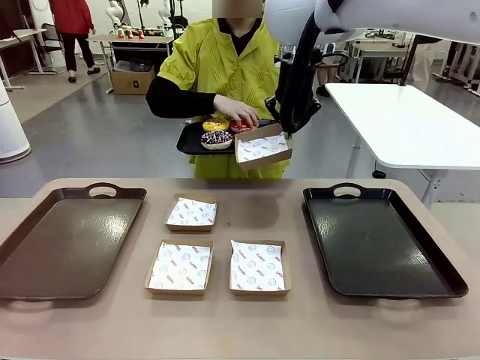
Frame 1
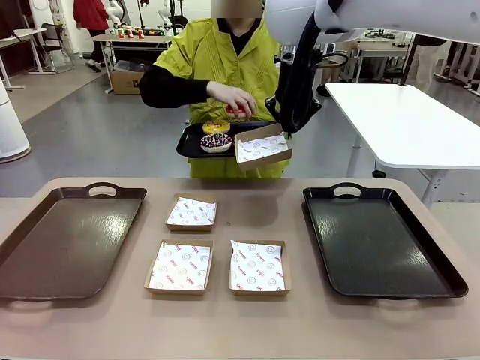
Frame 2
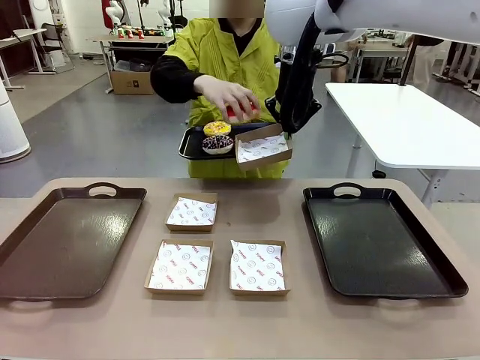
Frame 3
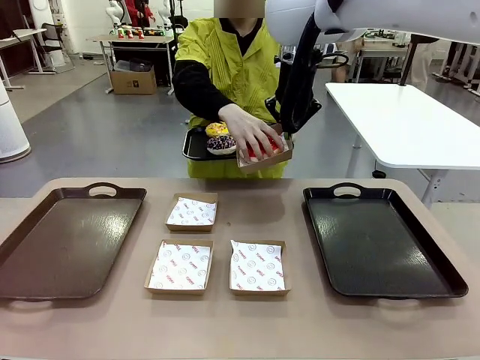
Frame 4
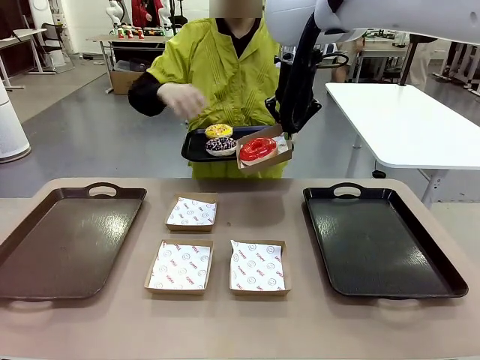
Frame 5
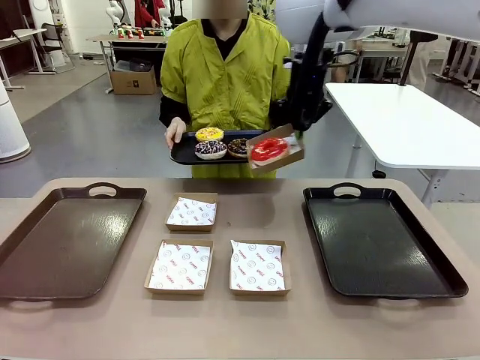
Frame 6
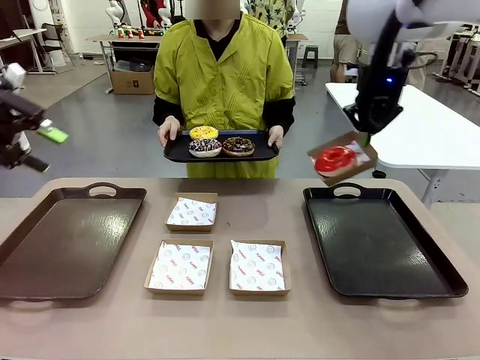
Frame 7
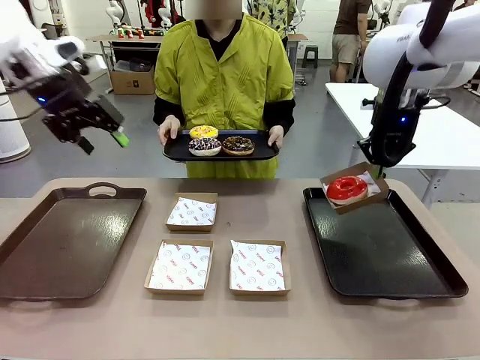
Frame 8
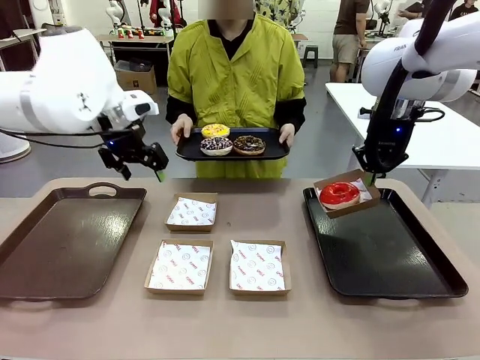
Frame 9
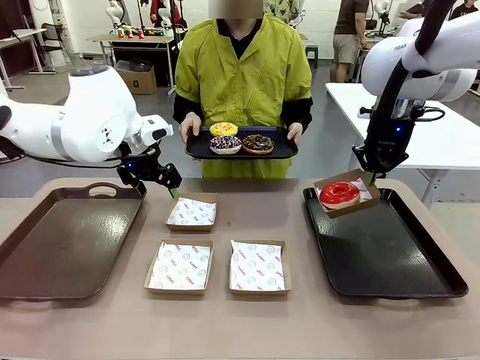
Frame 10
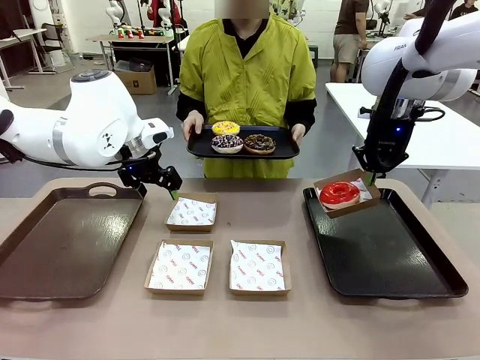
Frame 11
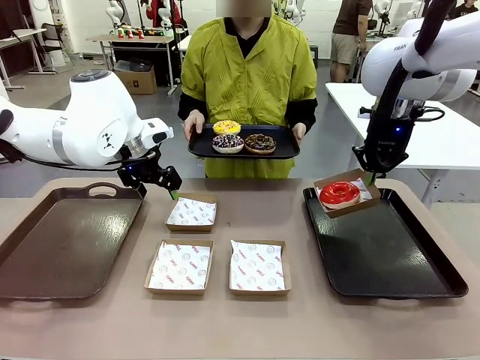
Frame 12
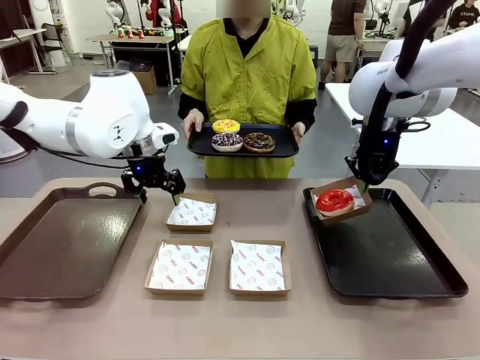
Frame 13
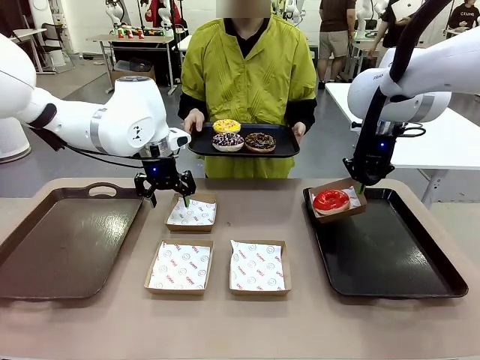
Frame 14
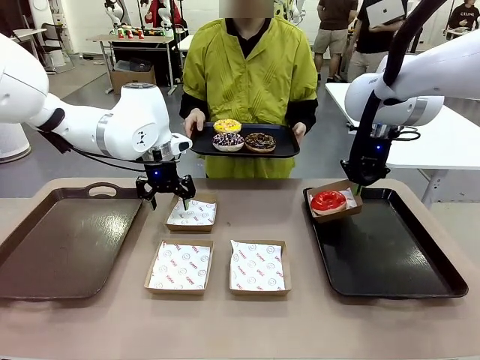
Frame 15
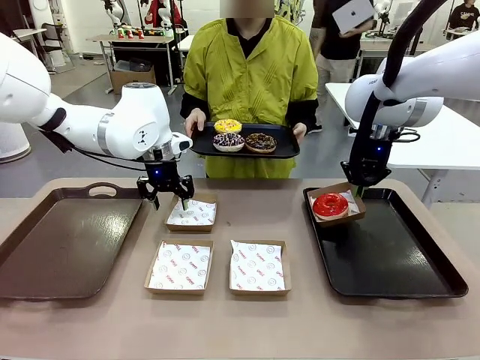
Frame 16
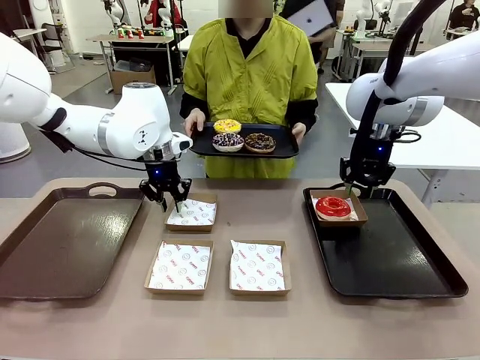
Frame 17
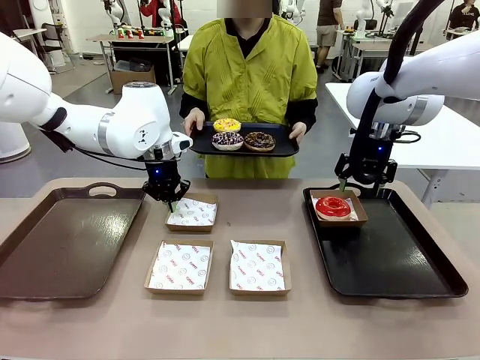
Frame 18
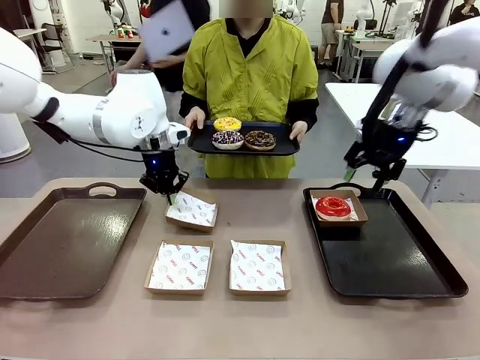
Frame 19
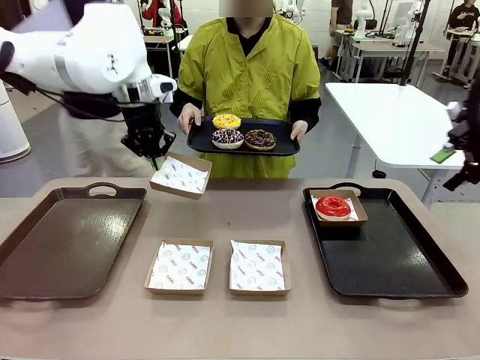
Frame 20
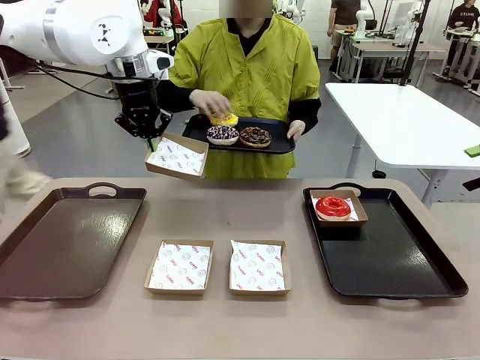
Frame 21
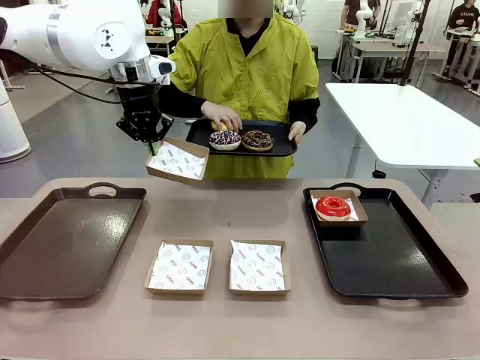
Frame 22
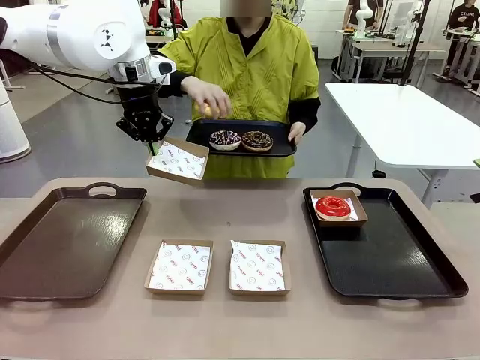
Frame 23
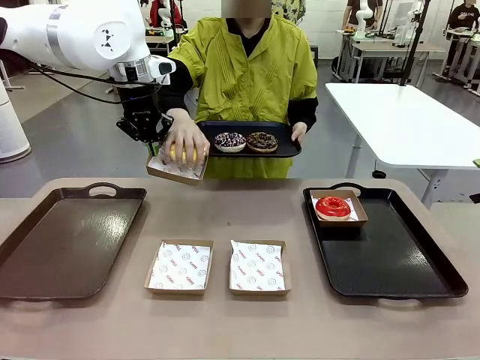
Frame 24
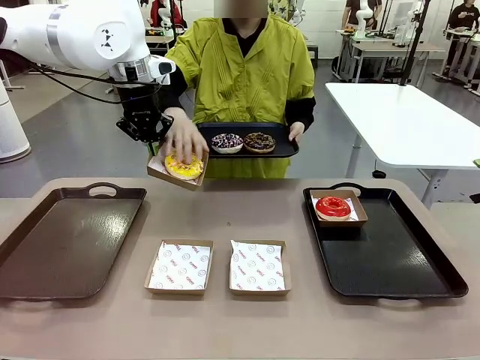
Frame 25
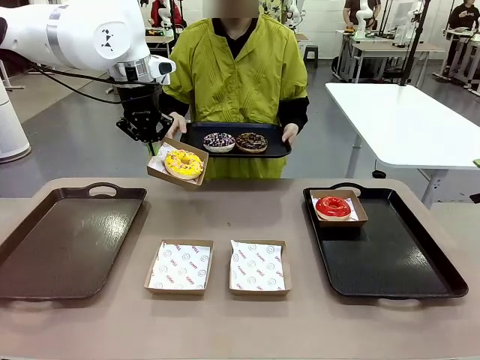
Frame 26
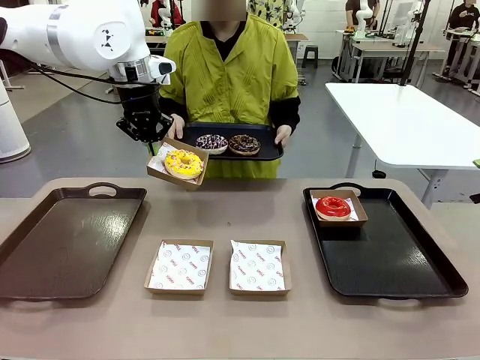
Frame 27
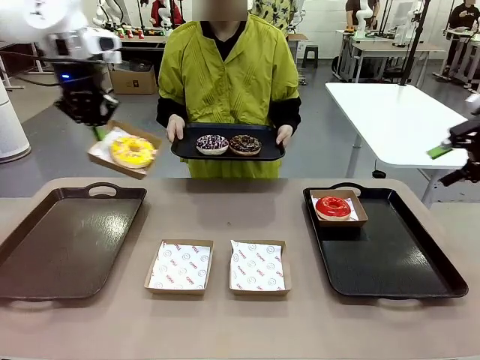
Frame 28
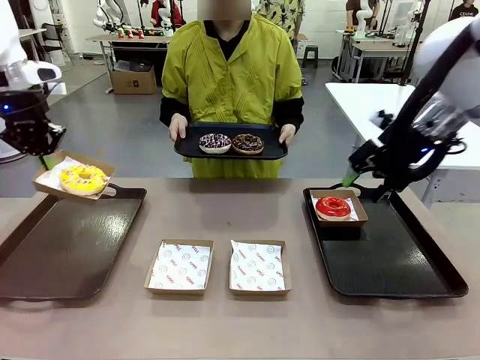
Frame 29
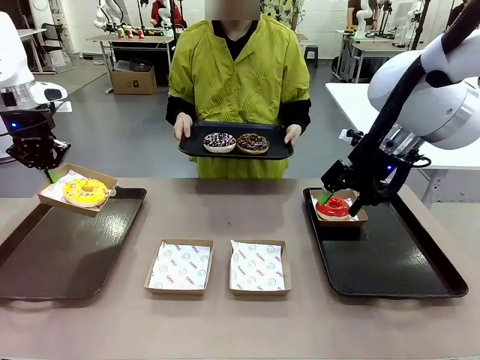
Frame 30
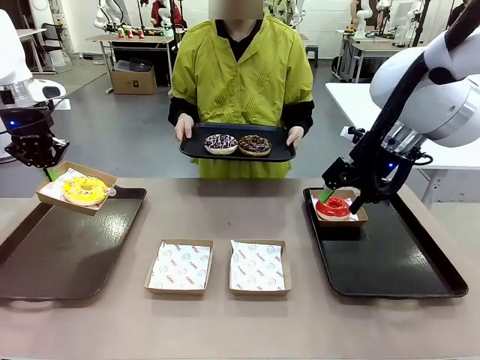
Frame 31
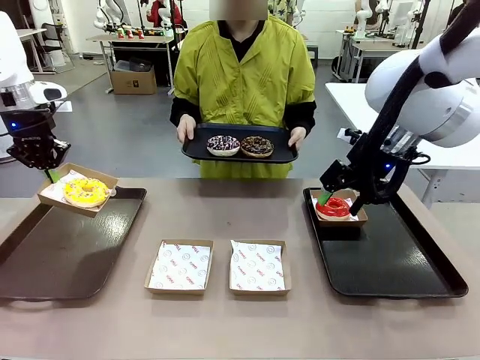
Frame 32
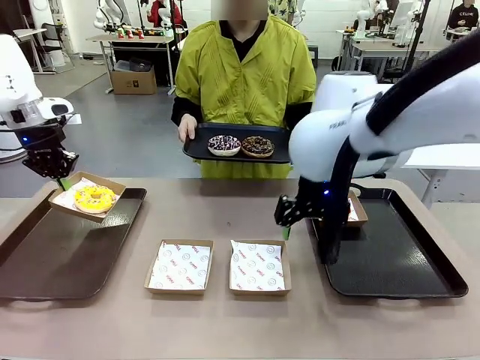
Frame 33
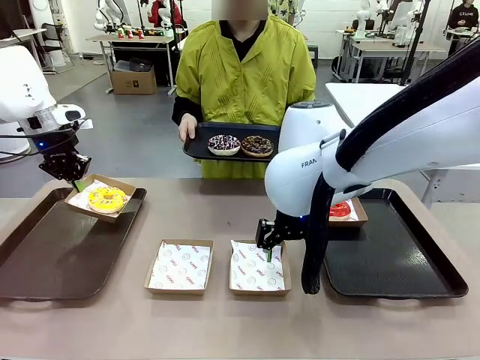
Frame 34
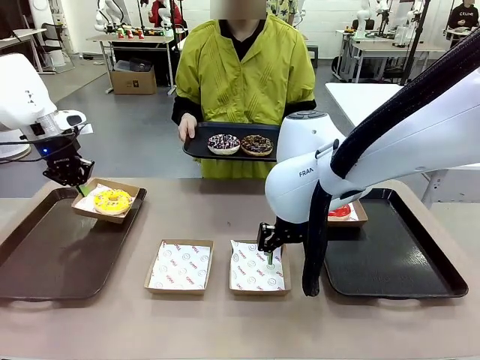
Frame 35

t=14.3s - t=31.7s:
Task: Individually package the donuts and arrange them on the tray.
Robot: Place the picked Paper togo box on the Handle tray while simultaneously picking up another Paper togo box from the table with the other hand.

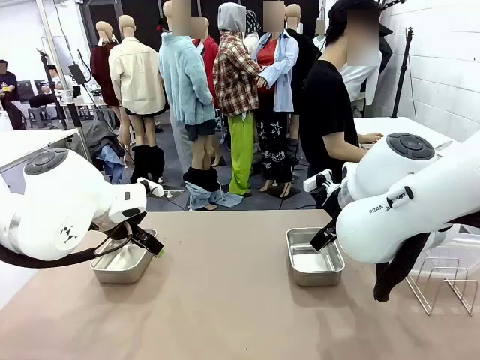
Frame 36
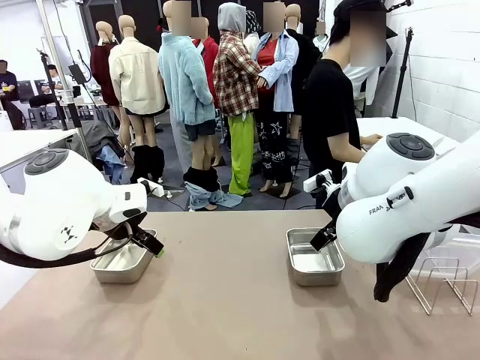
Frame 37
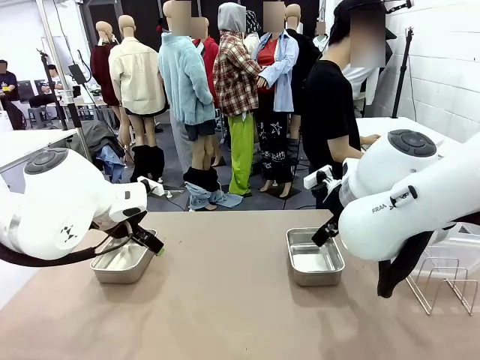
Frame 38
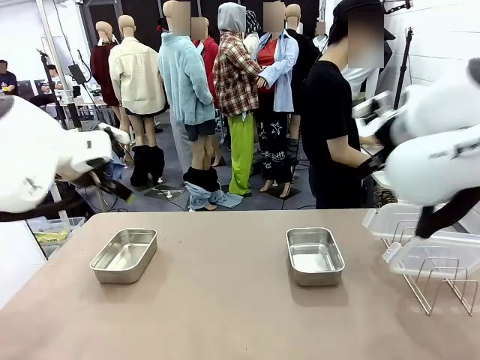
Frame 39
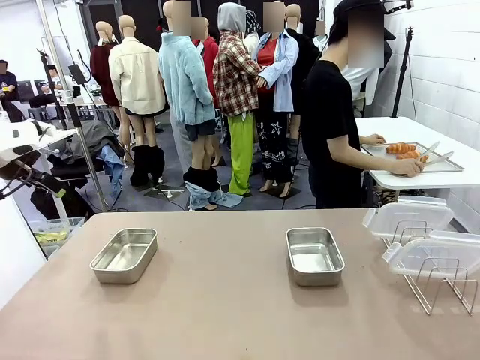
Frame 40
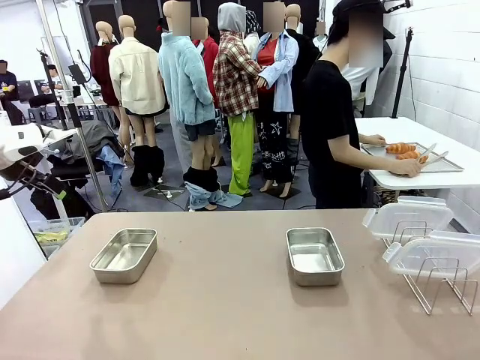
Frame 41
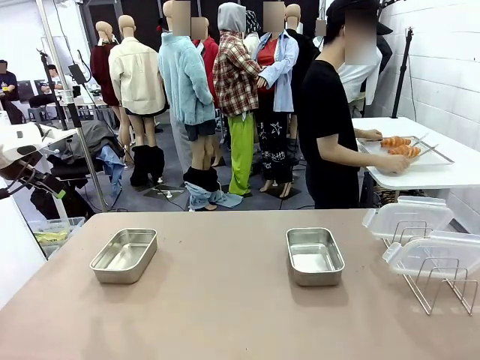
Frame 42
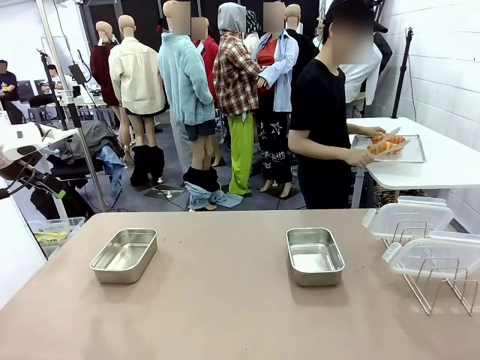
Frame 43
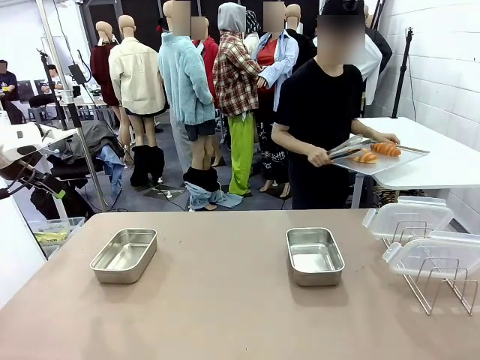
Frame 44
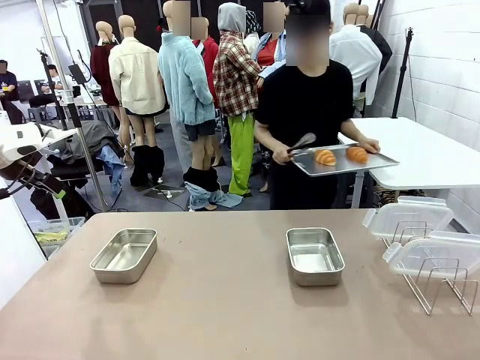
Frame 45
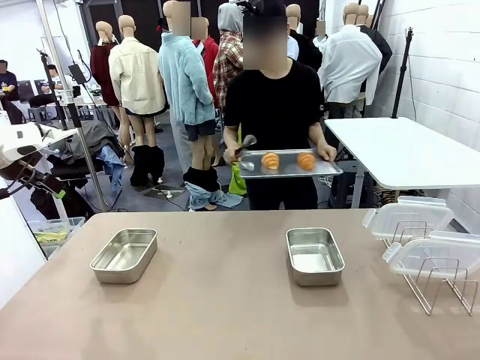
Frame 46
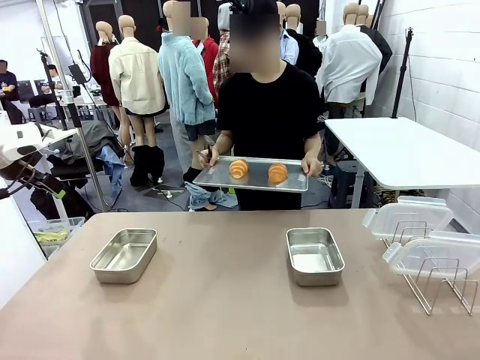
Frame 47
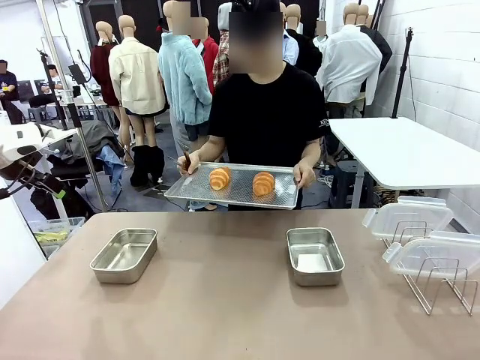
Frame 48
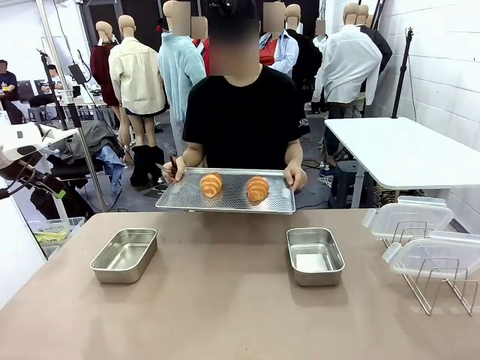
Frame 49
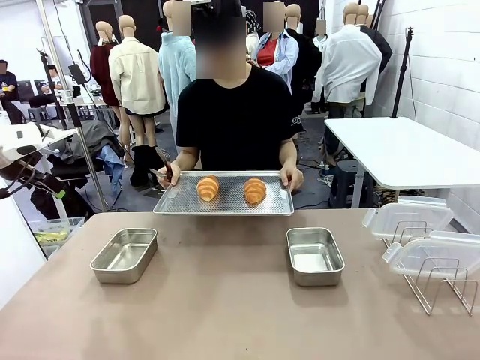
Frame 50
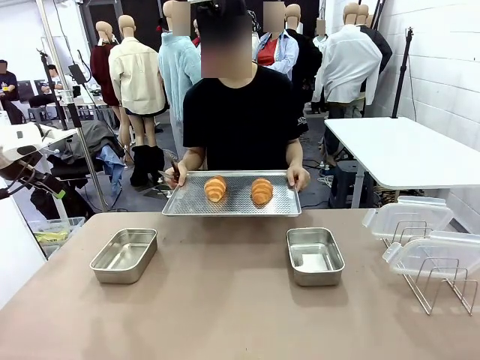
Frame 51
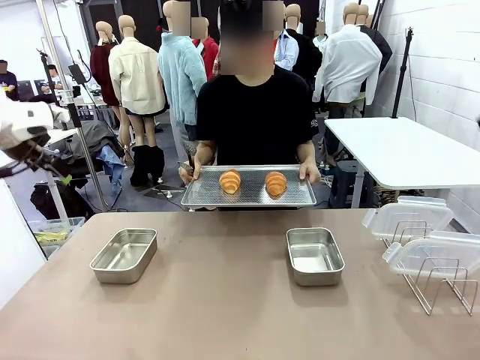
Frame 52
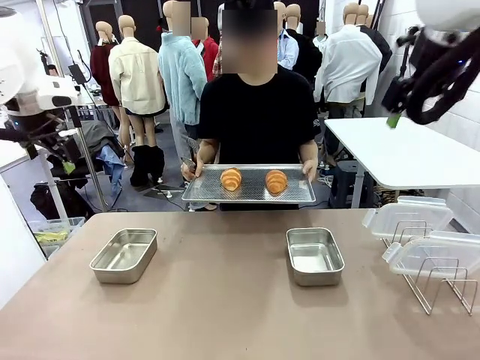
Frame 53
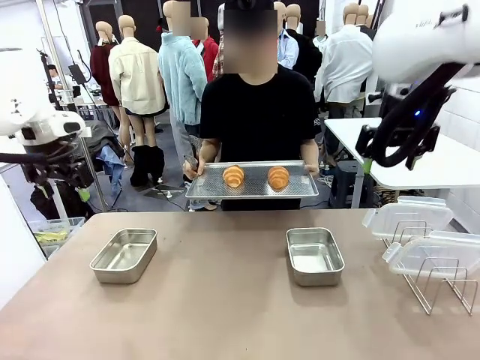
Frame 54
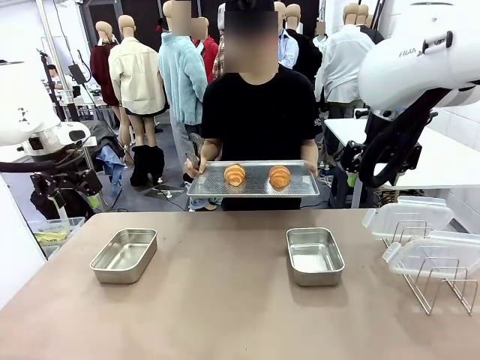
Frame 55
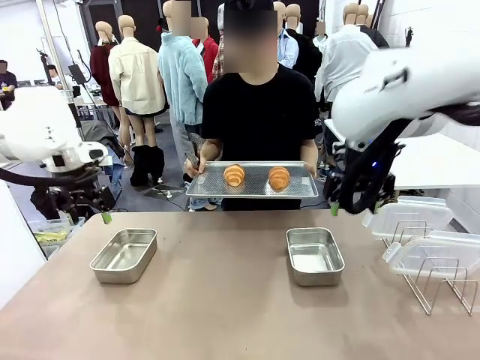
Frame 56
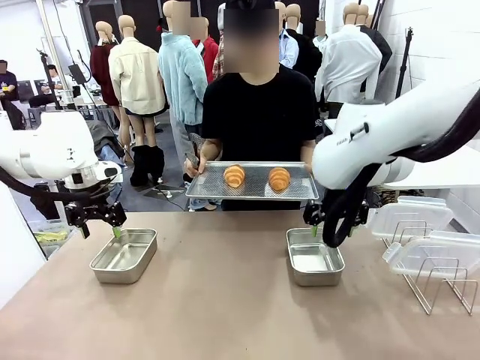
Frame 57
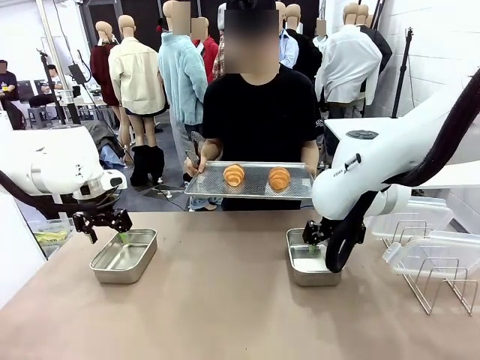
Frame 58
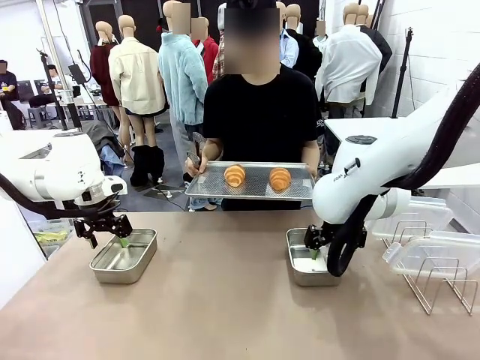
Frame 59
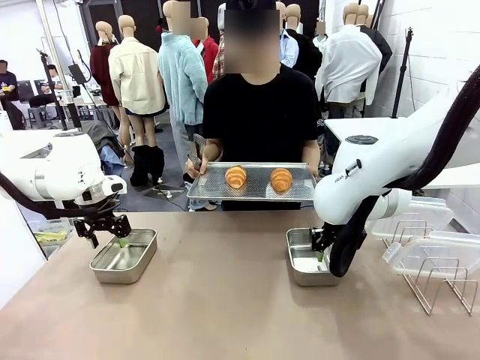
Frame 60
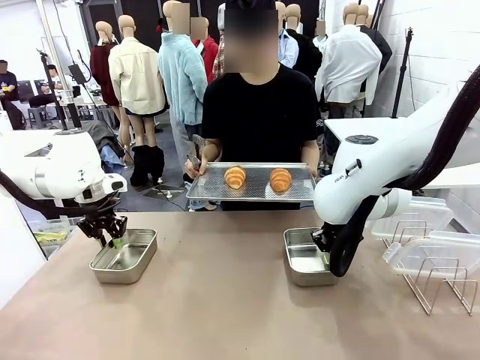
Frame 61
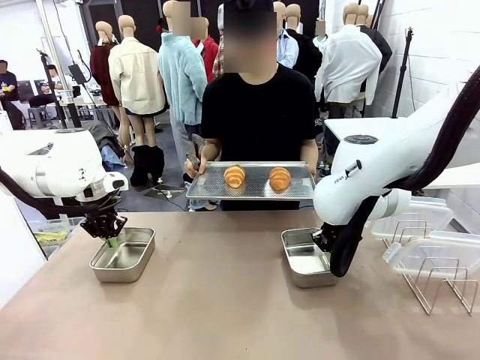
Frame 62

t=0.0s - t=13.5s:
Task: Place the bread in airtight containers.
Robot: Lift both Airtight Container.
Person: Bring the Baking Sheet in front of Robot's Table.
